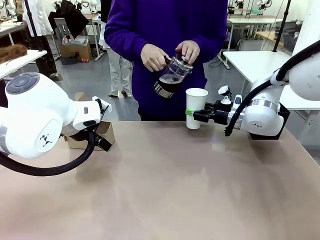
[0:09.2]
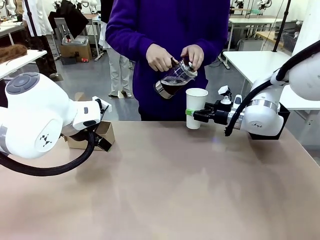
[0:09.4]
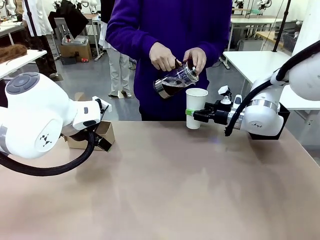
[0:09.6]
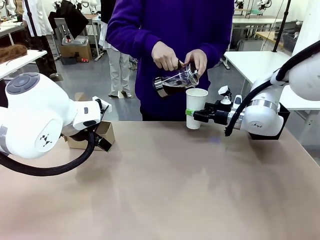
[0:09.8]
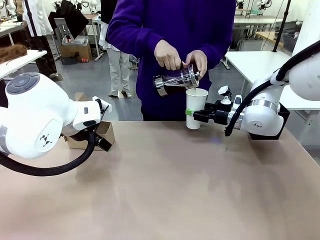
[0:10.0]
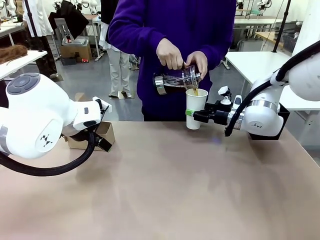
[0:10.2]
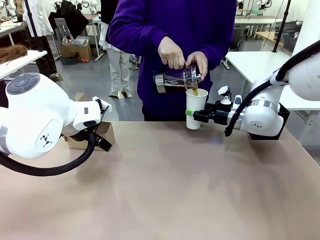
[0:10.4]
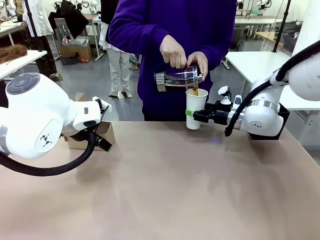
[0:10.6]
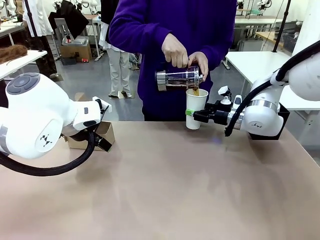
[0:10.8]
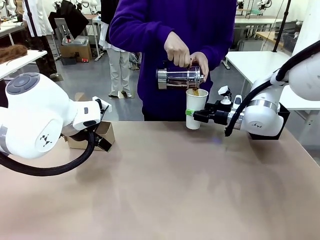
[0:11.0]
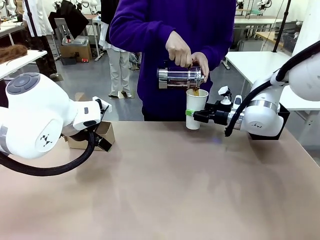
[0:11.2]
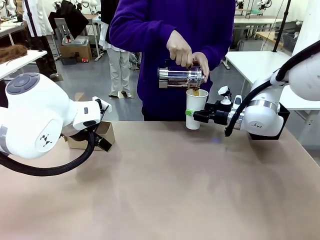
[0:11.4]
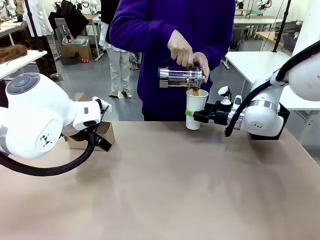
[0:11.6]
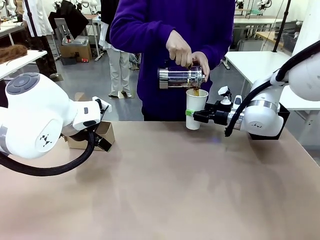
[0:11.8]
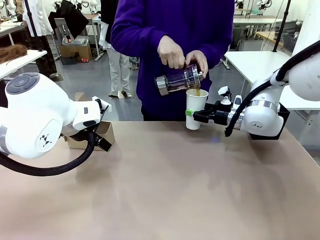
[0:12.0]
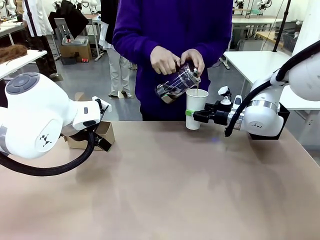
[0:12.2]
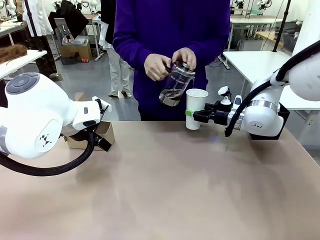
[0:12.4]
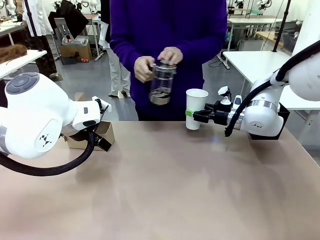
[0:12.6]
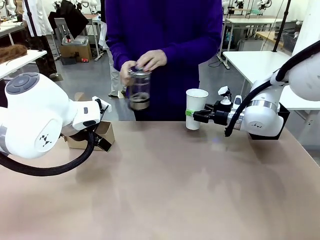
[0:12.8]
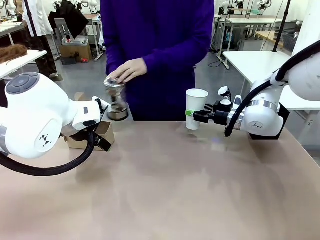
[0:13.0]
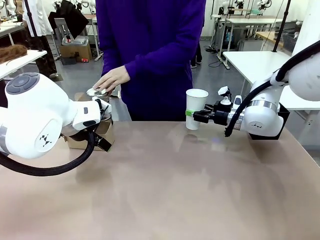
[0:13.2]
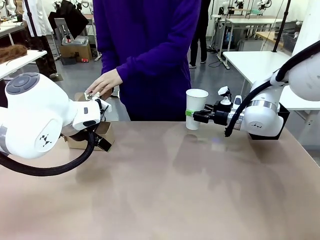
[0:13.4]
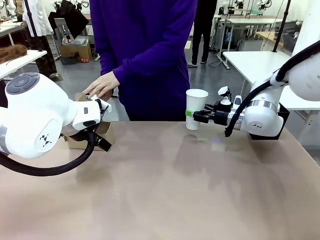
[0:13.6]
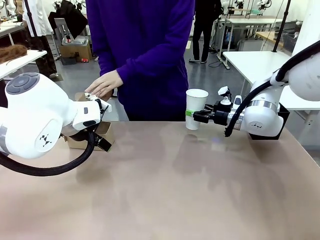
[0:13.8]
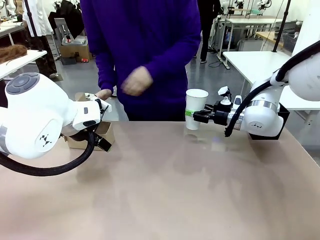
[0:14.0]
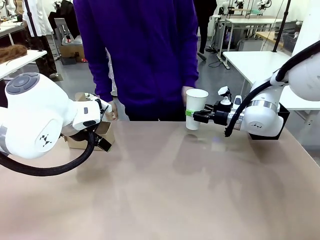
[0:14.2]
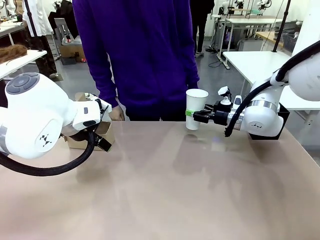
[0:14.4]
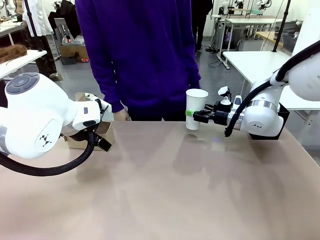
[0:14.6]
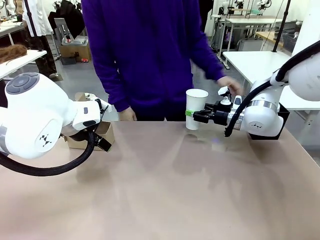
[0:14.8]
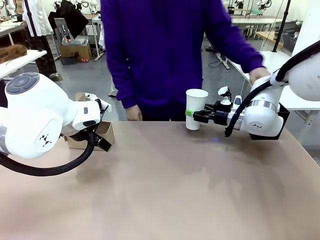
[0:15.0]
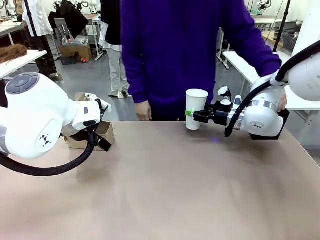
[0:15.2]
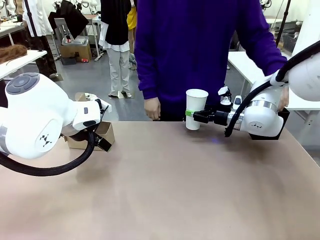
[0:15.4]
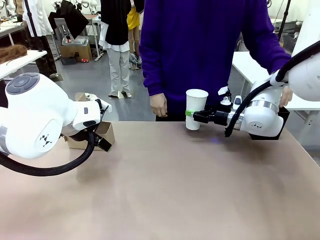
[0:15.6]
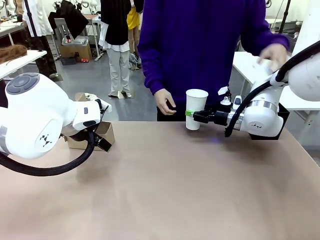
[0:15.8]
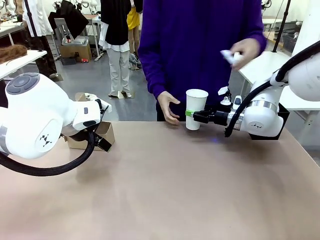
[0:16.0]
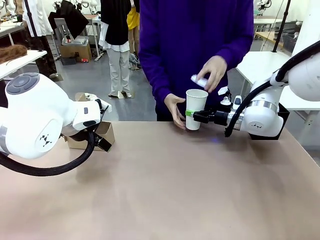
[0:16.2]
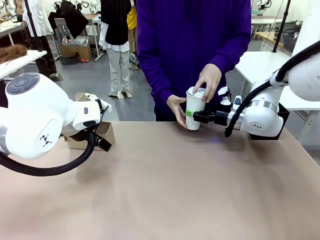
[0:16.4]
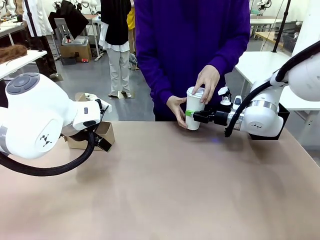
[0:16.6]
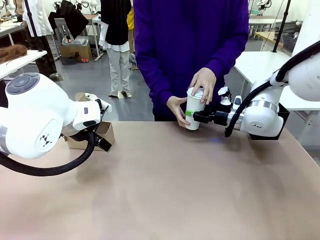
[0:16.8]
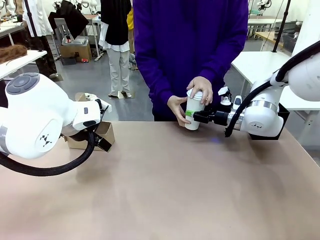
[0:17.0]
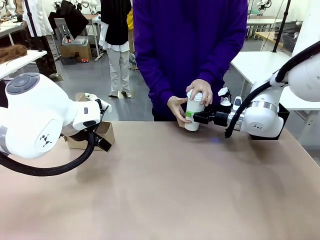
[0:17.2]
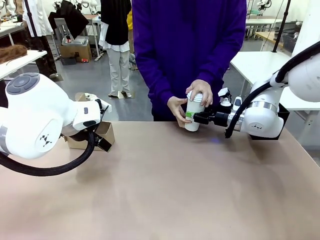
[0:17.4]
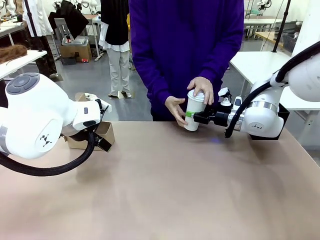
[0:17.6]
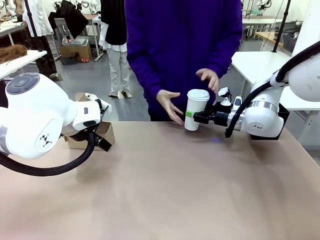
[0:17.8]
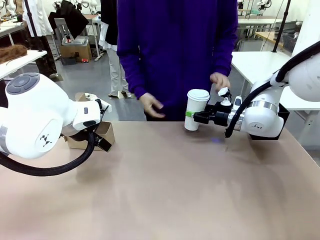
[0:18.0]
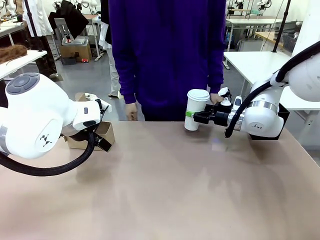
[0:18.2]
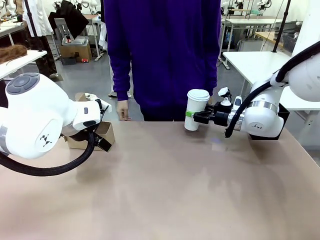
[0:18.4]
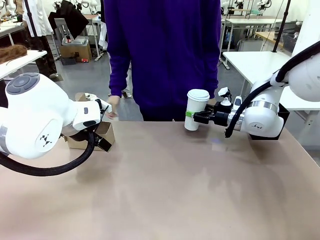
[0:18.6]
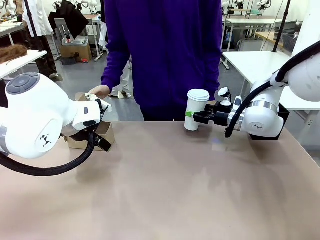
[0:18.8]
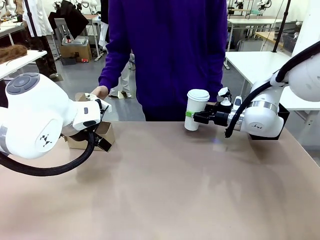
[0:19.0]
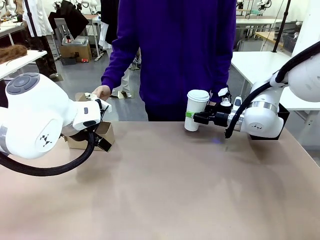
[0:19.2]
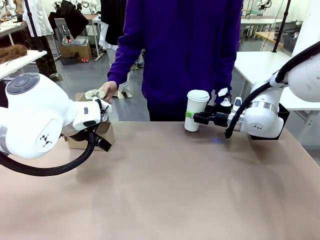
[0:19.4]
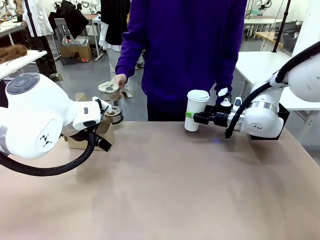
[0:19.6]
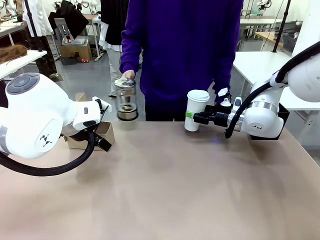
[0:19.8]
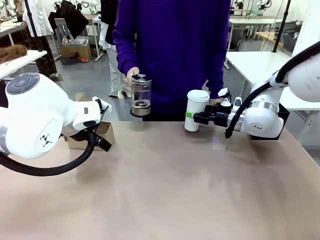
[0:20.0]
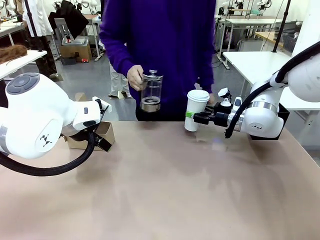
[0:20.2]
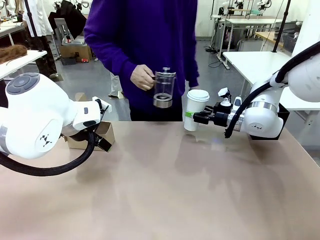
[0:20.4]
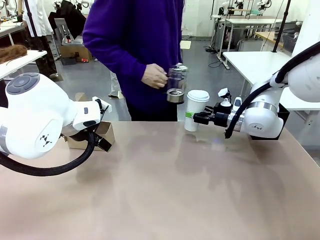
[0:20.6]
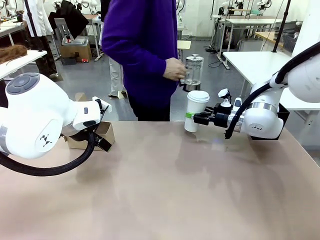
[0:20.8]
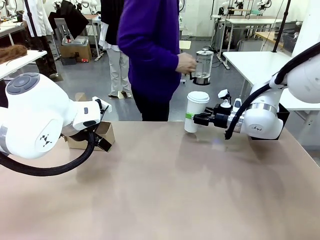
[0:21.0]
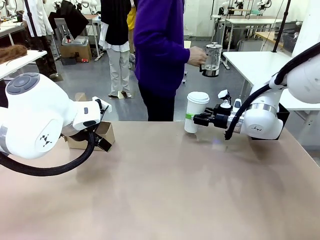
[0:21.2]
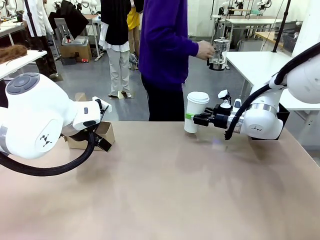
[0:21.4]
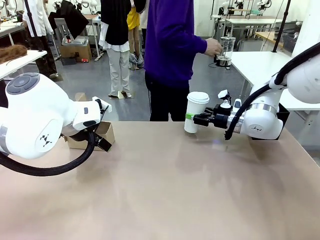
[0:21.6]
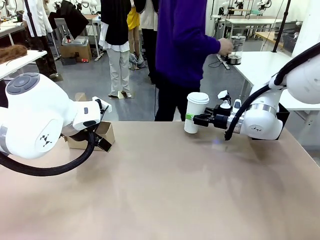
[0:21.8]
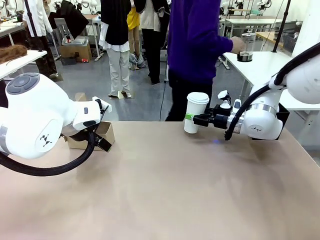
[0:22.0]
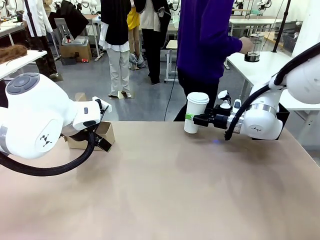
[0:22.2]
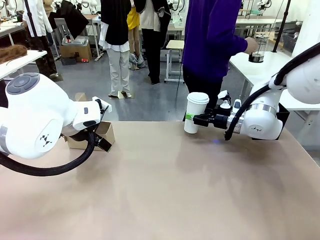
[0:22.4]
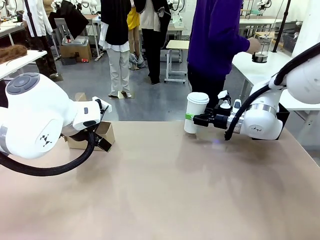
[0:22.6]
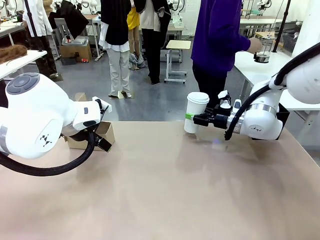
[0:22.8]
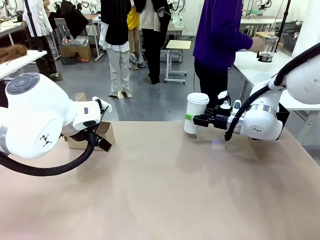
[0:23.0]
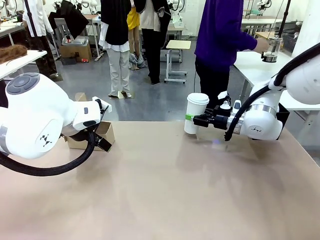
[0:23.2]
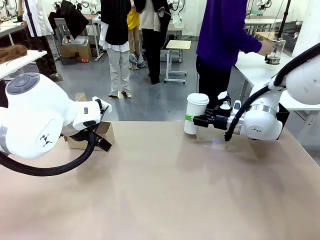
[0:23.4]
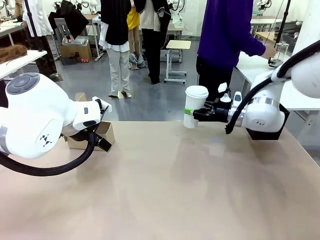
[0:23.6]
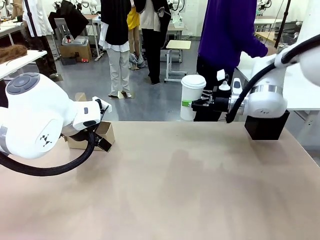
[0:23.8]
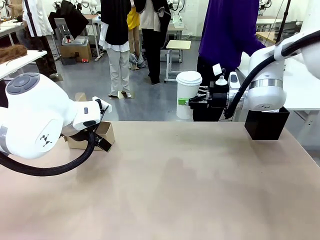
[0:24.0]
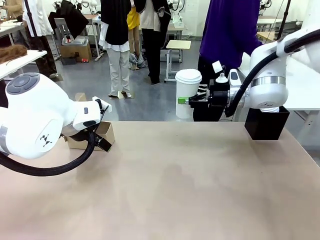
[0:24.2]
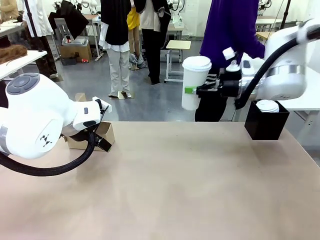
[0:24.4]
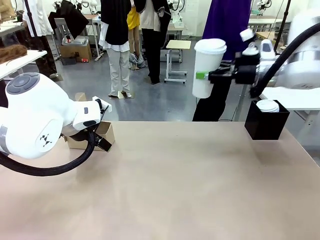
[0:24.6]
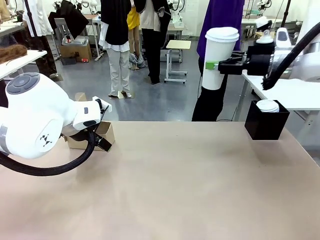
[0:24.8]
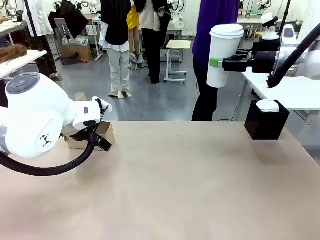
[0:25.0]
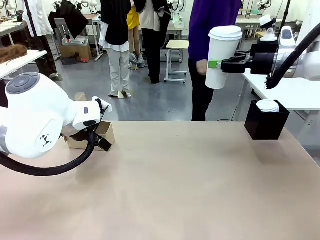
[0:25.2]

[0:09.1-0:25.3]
Task: Pour a drink into a cup and package it in a carrier.
Robot: When a person places the Paper Cup Lid on the 600 ml Paper Cup , lift the 600 ml Paper Cup.
Person: Pour the drink from the Filter Brewing into the 600 ml Paper Cup. Place a Paper Cup Lid on the 600 ml Paper Cup. Pick up the Filter Brewing and place on the middle of Human table, and return to the Robot table.

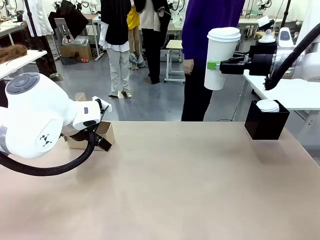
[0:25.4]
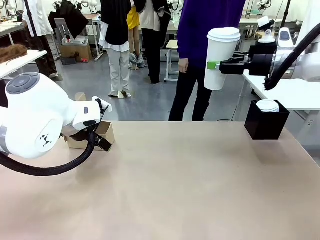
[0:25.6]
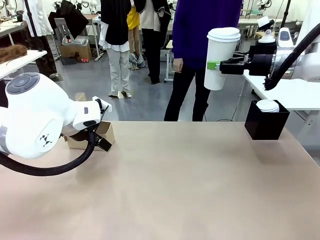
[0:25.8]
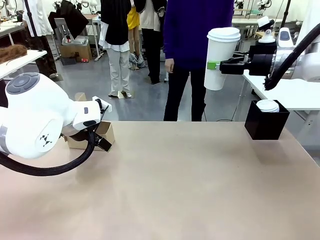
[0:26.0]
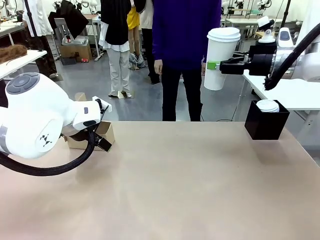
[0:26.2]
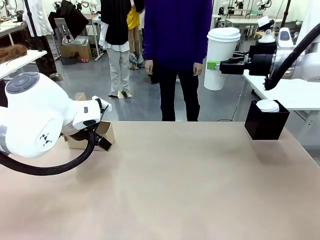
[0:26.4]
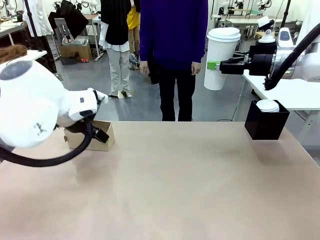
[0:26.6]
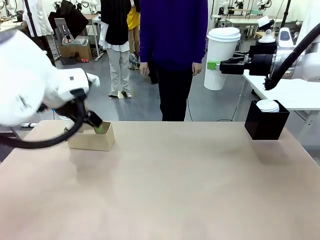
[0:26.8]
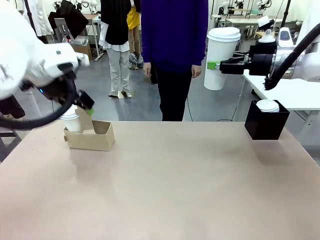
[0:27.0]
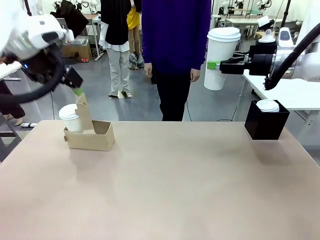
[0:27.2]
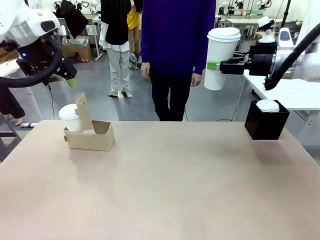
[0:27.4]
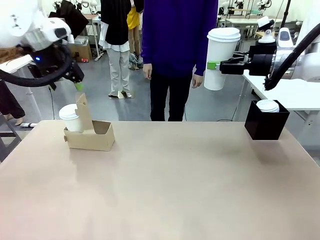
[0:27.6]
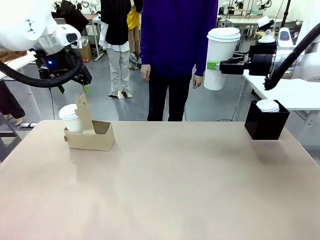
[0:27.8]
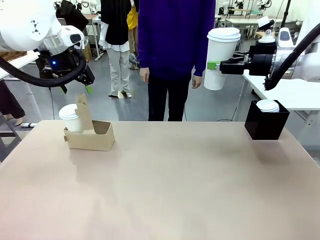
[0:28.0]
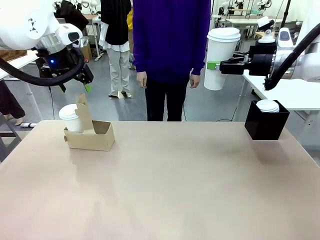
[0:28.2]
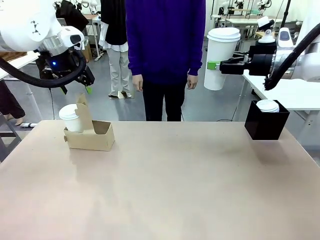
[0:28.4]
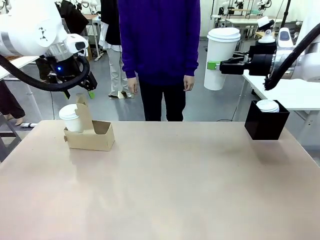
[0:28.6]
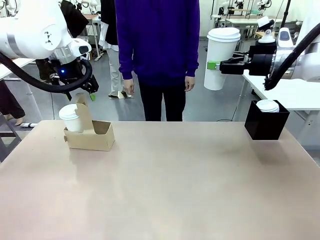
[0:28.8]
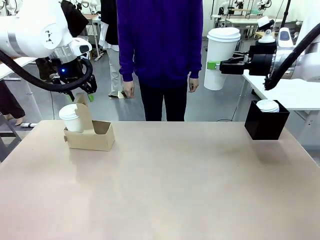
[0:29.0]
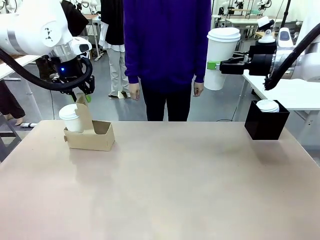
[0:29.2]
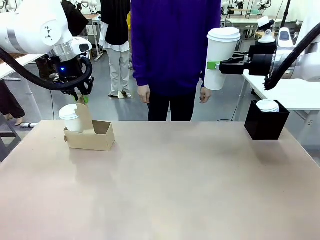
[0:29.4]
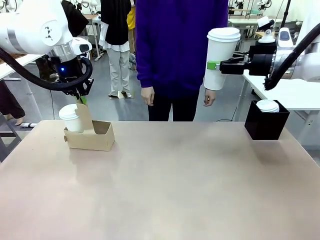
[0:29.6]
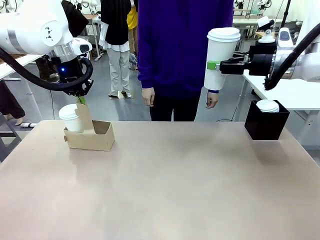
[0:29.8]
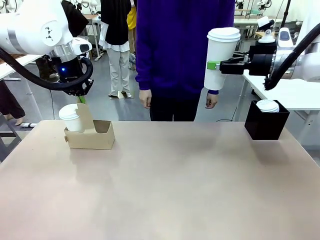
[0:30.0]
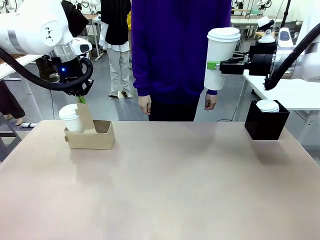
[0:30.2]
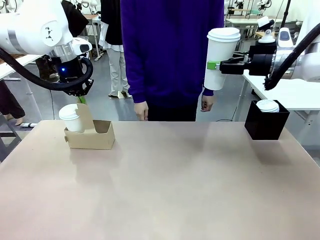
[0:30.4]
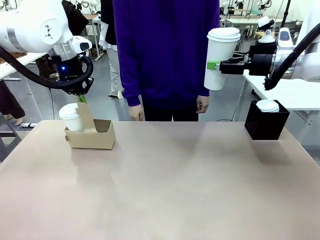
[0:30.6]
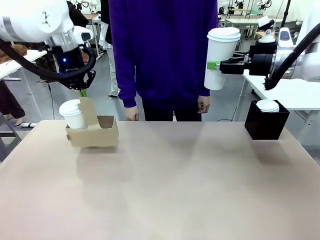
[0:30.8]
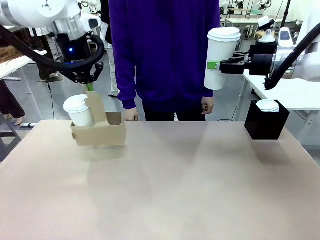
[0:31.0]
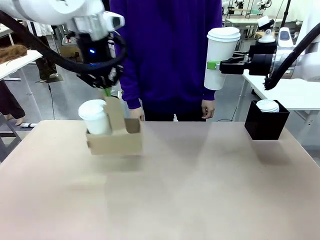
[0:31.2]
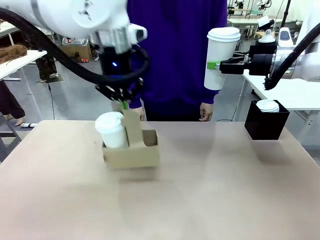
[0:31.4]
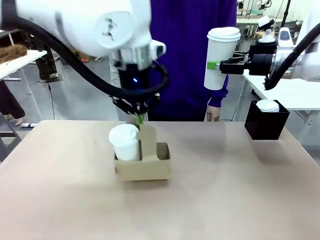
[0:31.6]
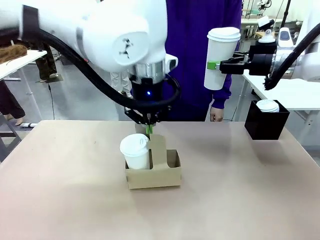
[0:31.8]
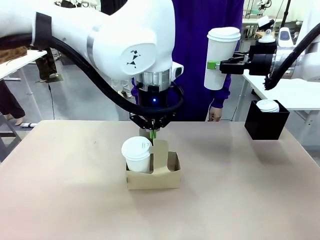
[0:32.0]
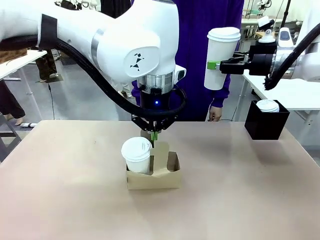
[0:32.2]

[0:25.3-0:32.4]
Robot: Position the Cup Carrier in the center of the table.
